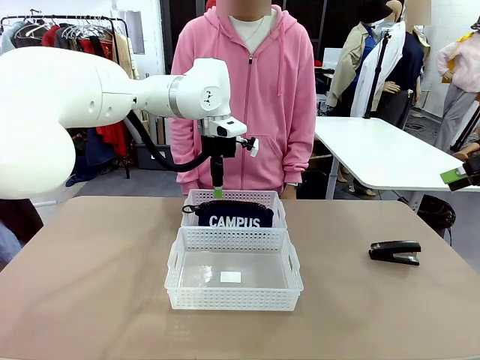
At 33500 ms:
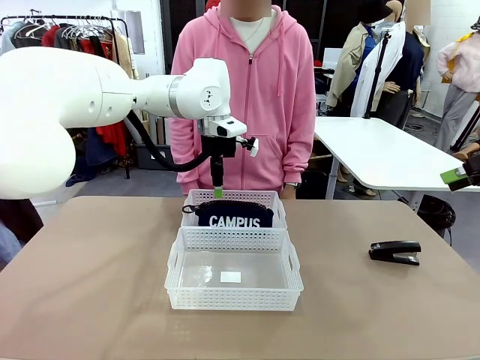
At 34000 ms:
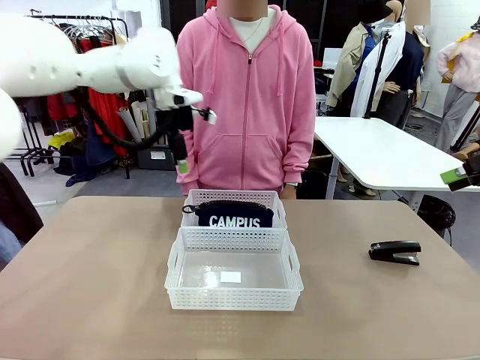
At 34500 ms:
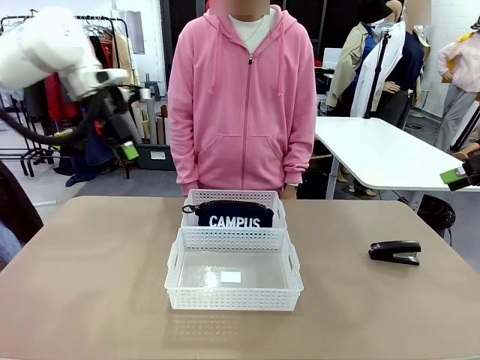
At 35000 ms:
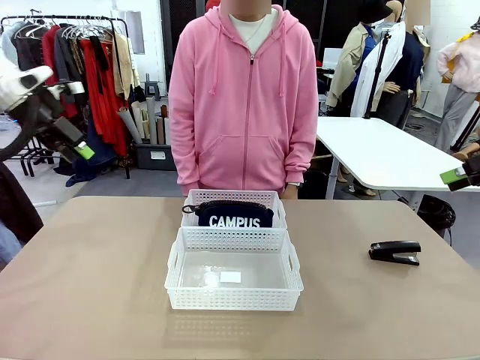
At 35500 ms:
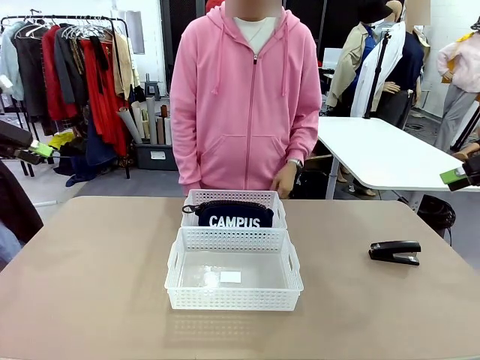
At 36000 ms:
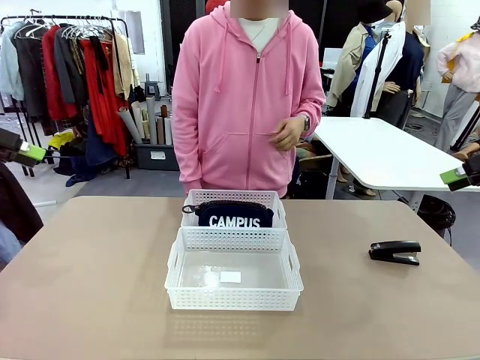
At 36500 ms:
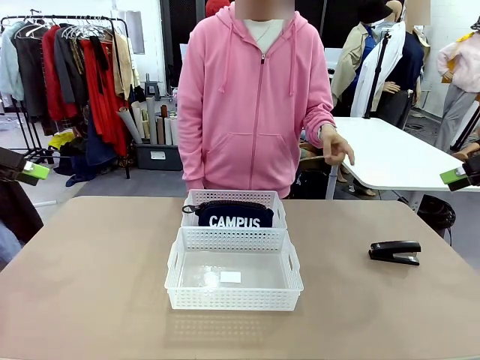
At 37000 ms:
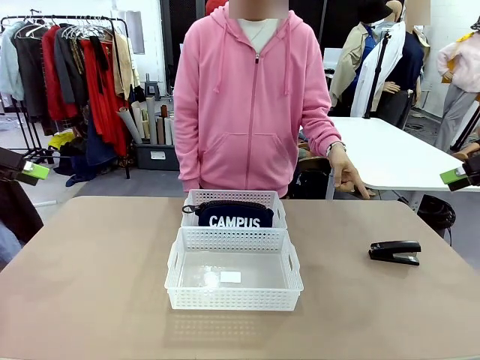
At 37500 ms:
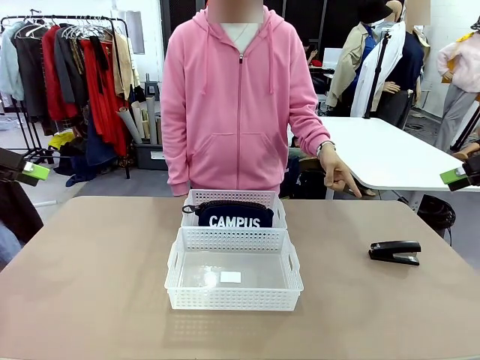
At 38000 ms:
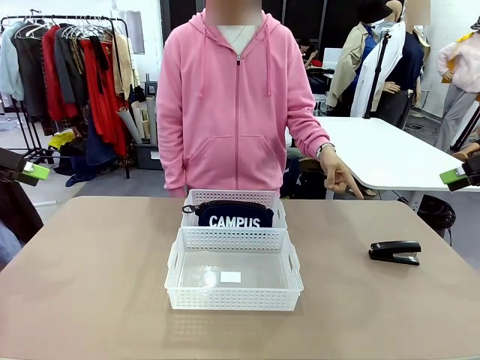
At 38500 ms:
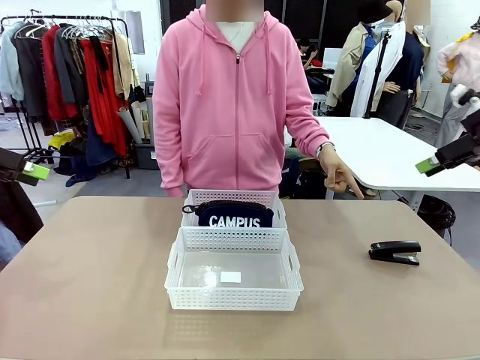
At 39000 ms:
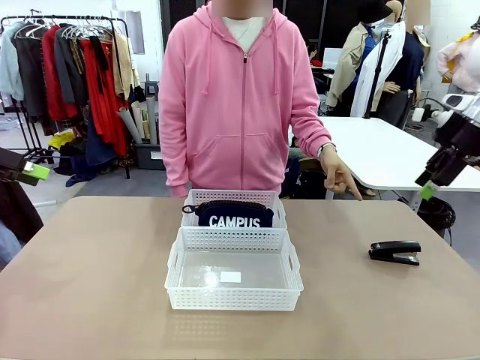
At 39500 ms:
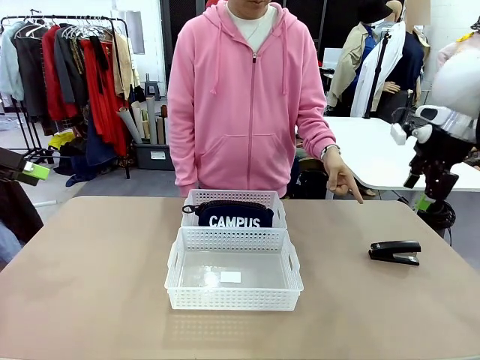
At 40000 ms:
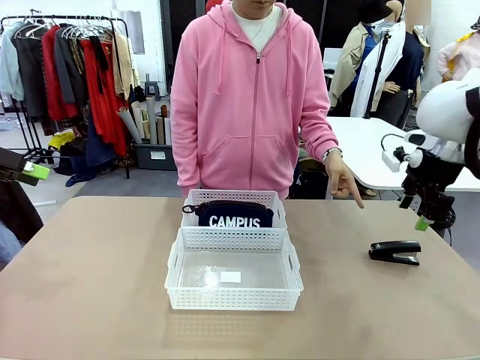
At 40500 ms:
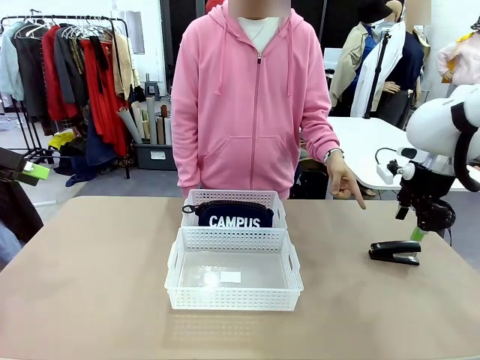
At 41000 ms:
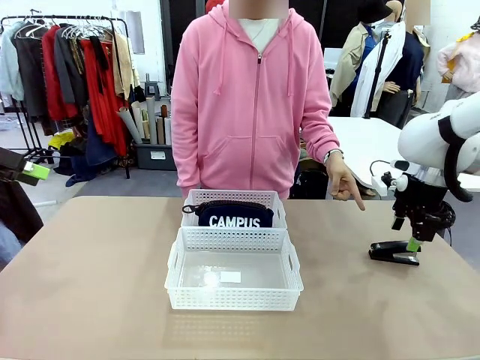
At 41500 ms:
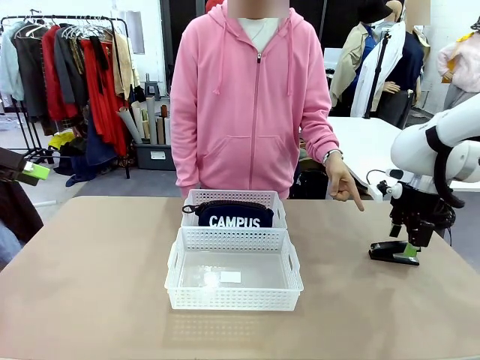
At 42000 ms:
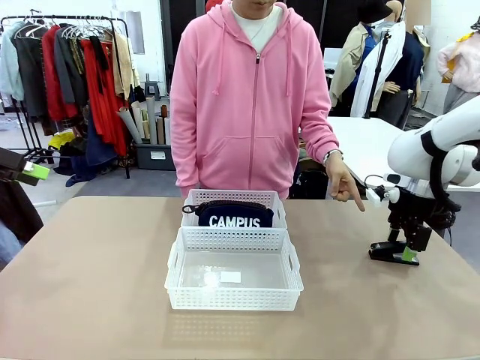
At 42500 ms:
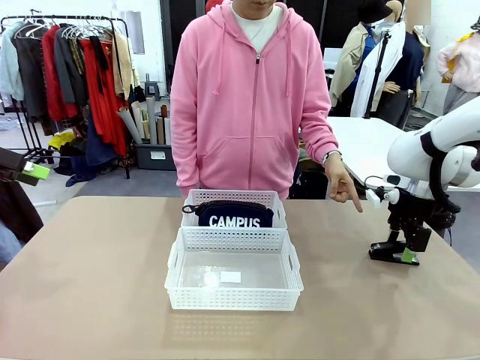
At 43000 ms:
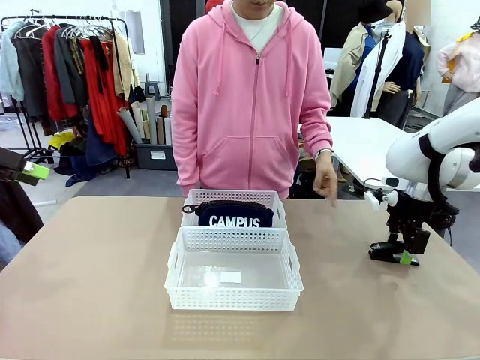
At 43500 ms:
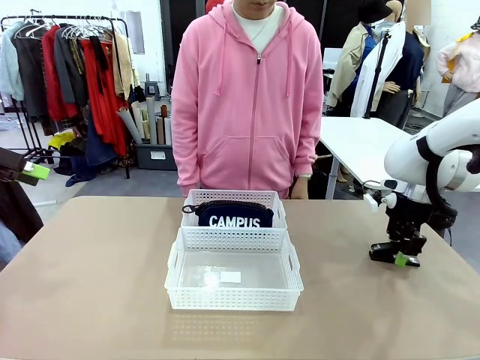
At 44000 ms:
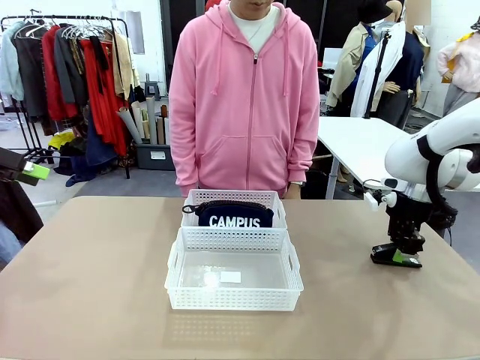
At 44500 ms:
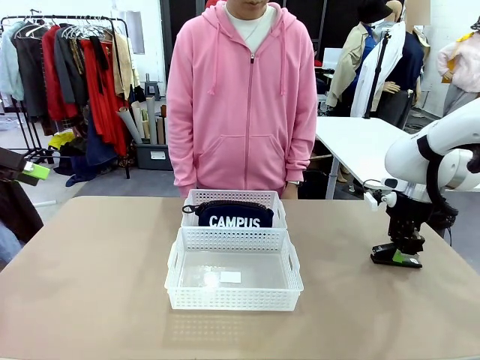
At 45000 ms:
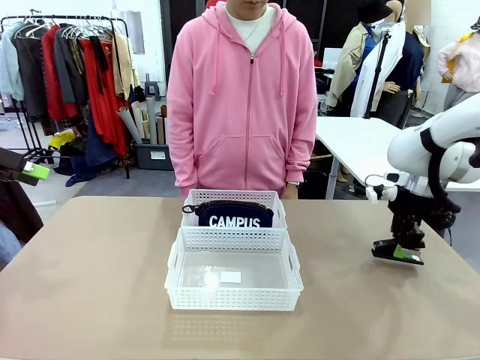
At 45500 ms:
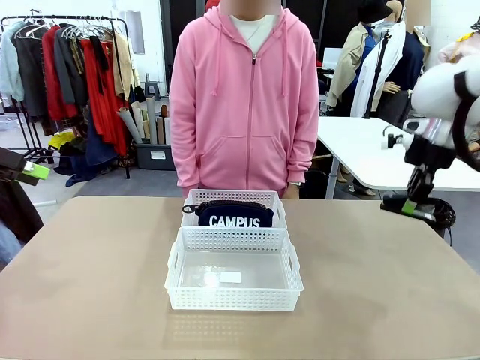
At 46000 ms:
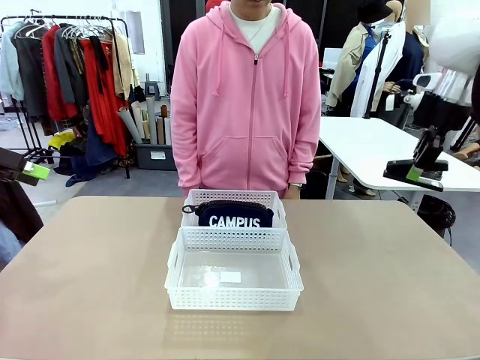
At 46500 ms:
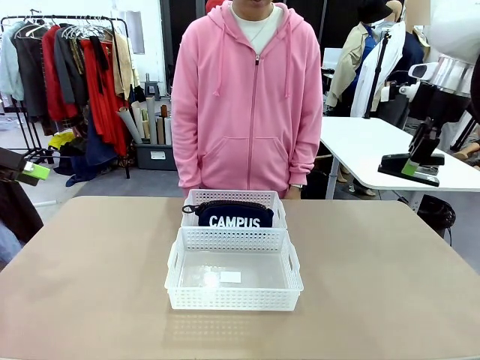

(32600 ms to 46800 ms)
Task: Distribute items into two baskets.
Robot: Pick up the Stapler that the person points to.

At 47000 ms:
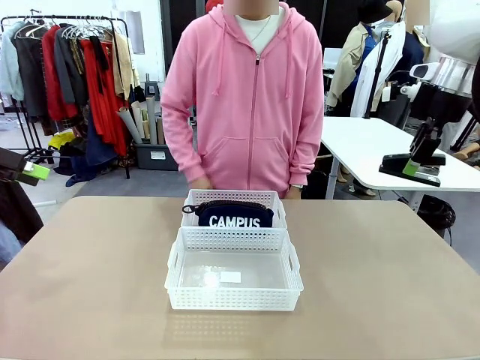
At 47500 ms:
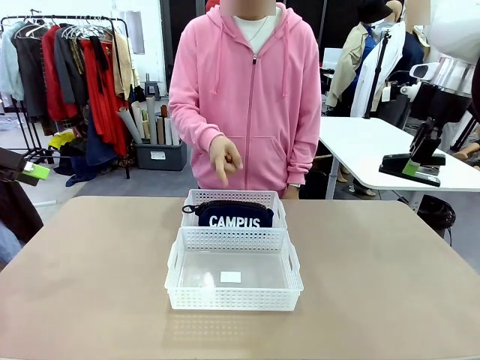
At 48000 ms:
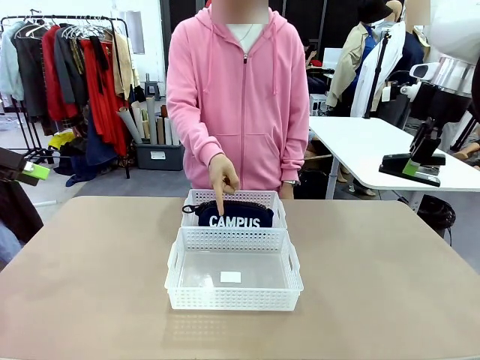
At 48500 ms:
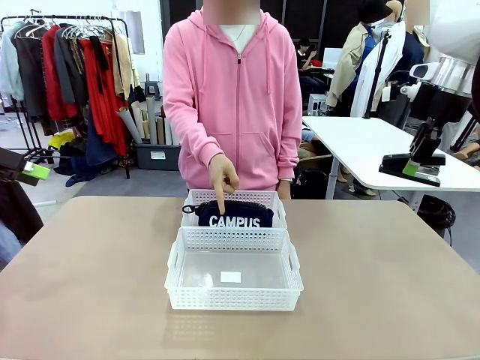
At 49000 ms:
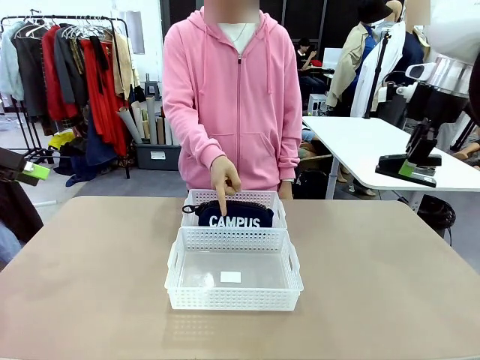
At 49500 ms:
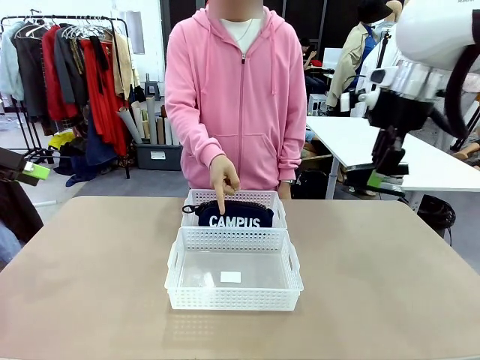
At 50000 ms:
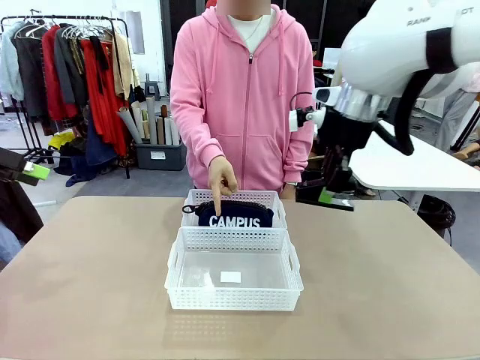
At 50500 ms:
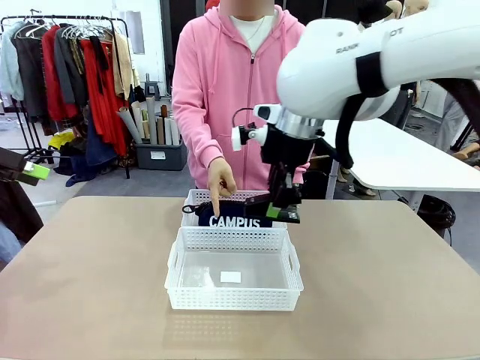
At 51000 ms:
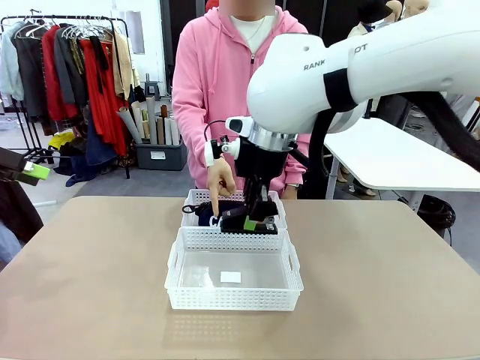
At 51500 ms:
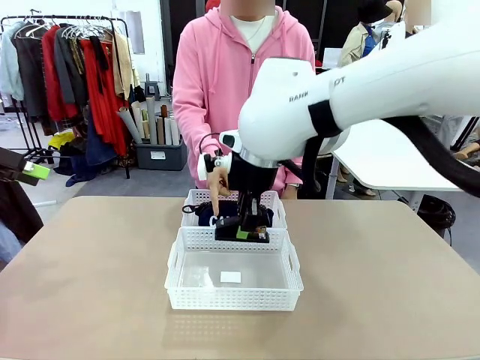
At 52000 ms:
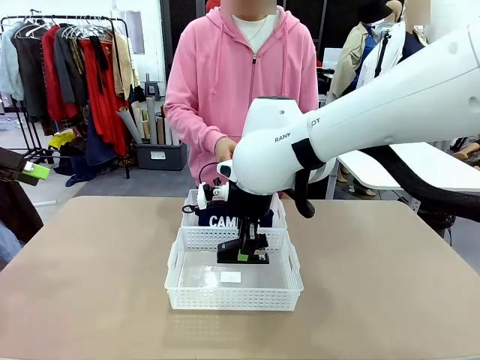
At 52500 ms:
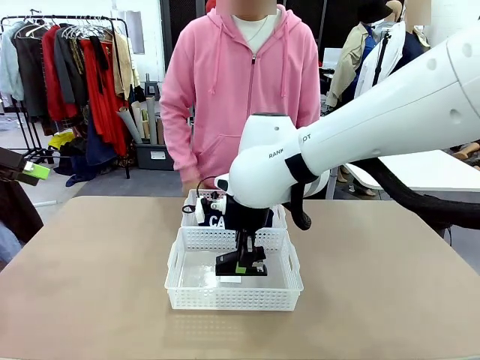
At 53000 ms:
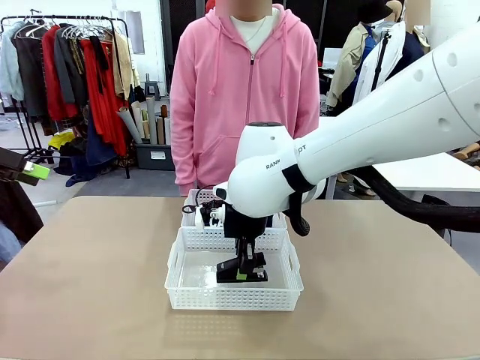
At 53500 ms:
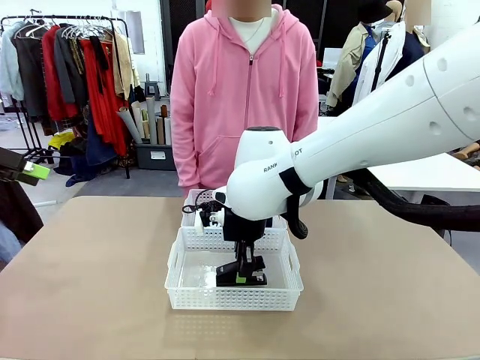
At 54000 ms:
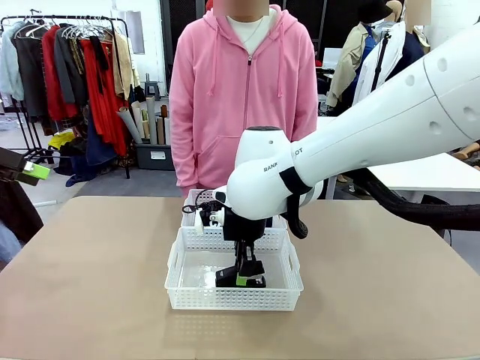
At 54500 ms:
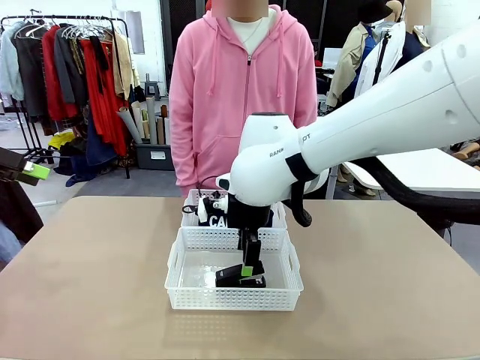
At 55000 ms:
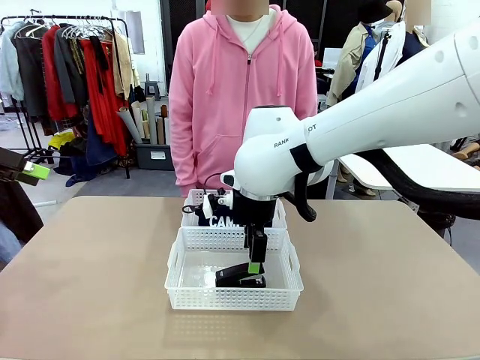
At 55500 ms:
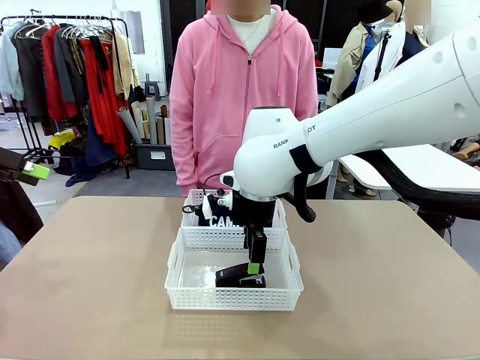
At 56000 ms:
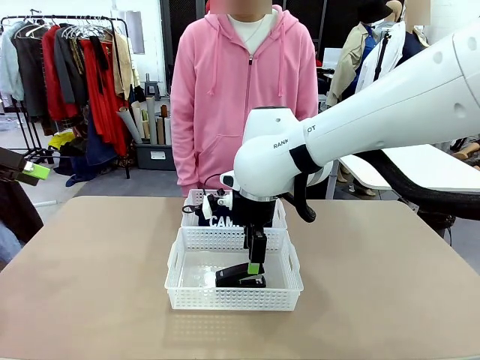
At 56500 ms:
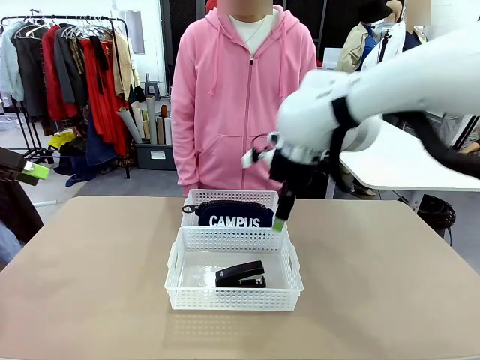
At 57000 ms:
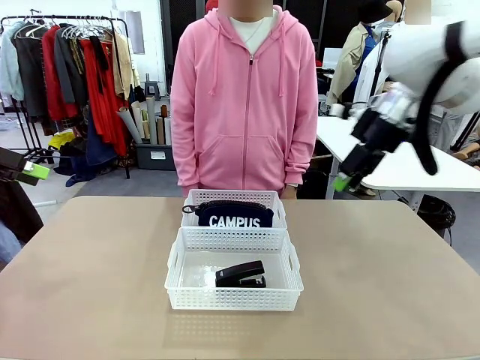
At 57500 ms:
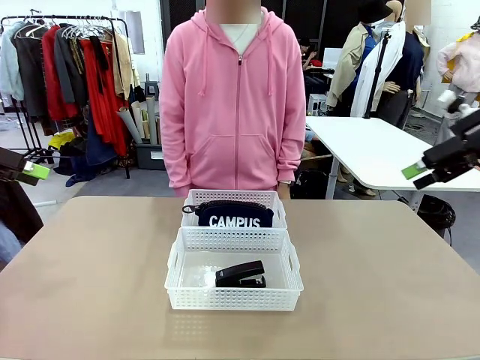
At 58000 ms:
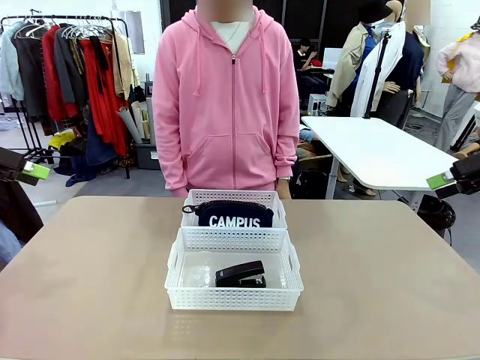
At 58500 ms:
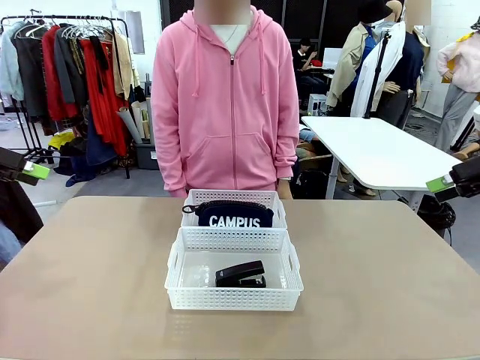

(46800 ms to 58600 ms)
Robot: Place the picked Stapler into the Organizing basket as instructed by the person.
Person: Points to the basket that does not contain the pencil case and instructs the robot to move the stapler there.
